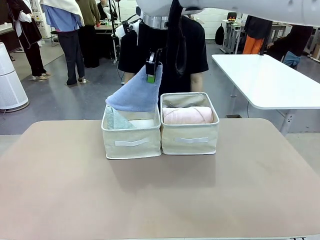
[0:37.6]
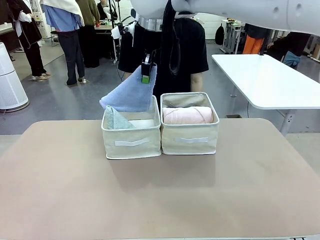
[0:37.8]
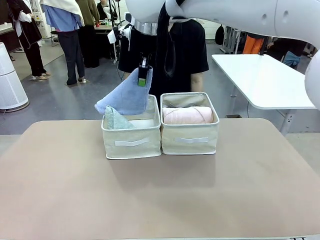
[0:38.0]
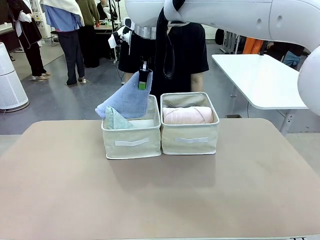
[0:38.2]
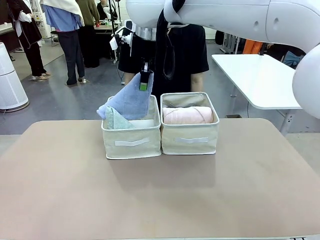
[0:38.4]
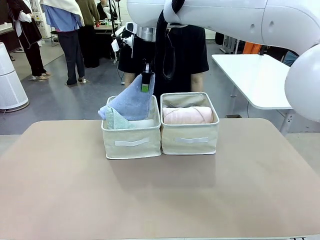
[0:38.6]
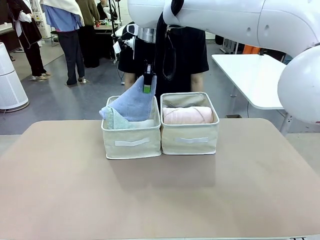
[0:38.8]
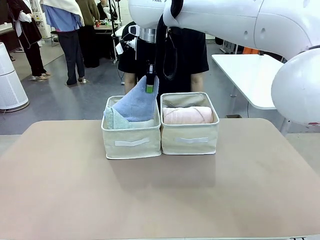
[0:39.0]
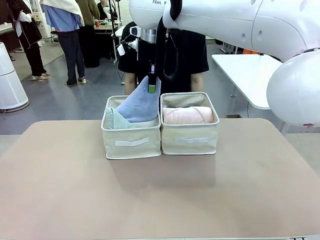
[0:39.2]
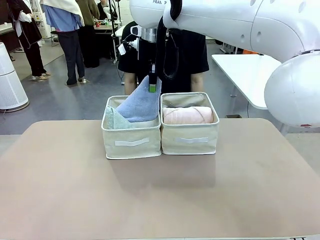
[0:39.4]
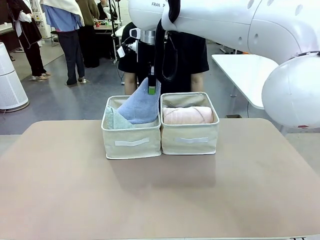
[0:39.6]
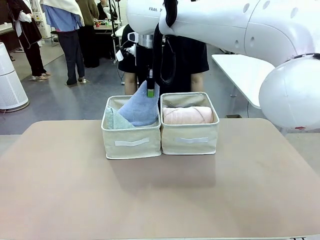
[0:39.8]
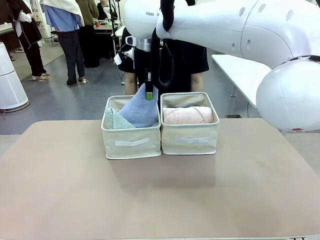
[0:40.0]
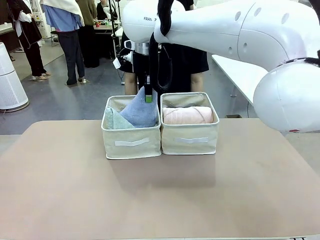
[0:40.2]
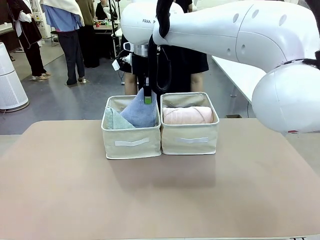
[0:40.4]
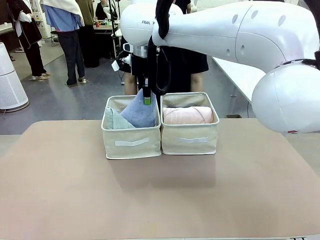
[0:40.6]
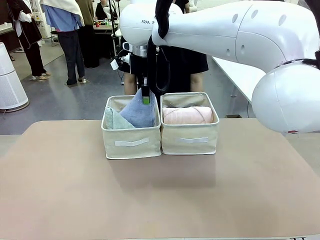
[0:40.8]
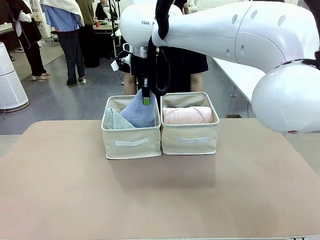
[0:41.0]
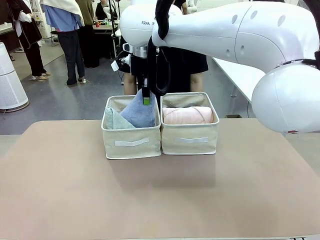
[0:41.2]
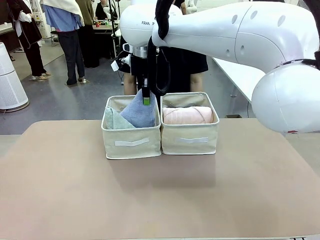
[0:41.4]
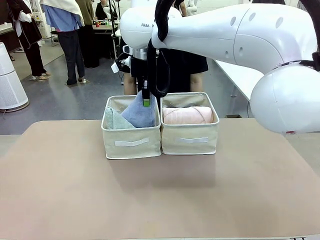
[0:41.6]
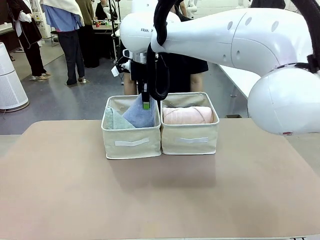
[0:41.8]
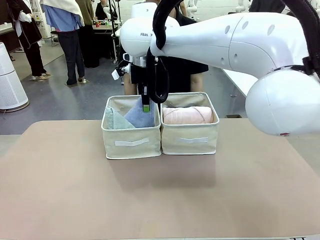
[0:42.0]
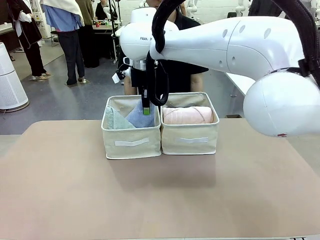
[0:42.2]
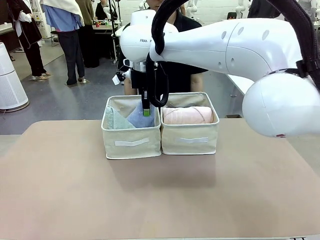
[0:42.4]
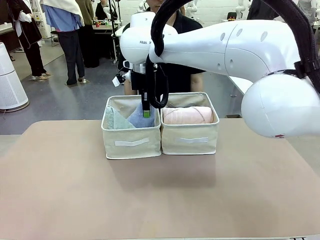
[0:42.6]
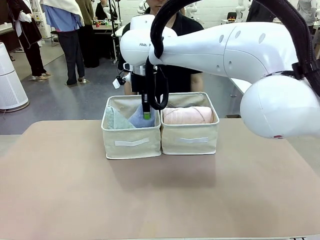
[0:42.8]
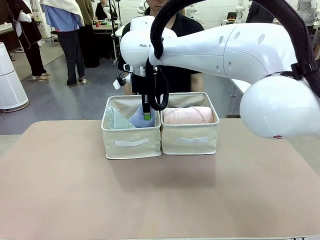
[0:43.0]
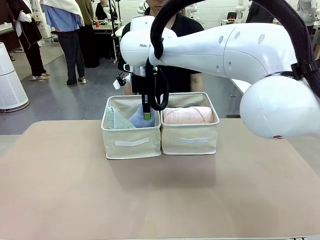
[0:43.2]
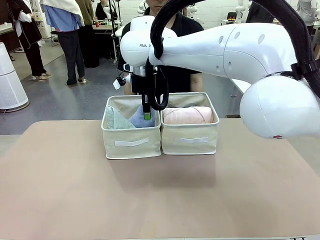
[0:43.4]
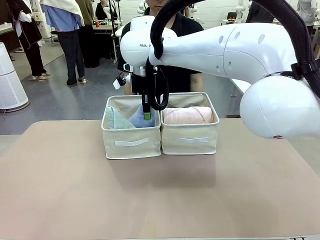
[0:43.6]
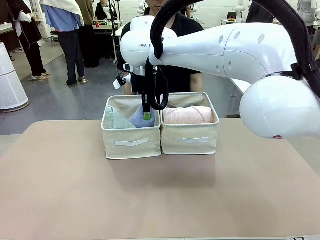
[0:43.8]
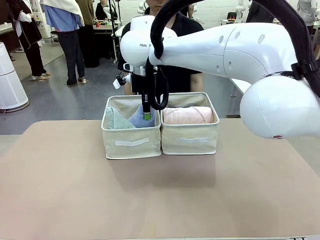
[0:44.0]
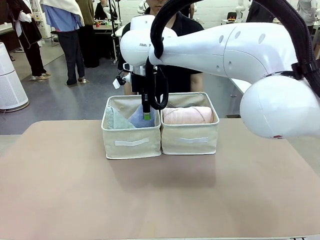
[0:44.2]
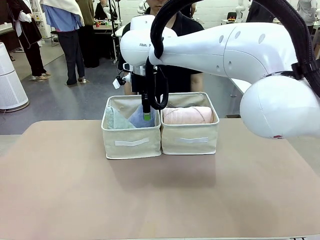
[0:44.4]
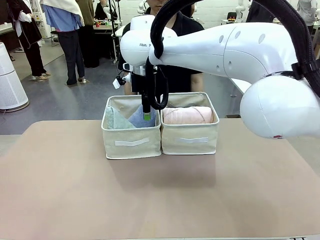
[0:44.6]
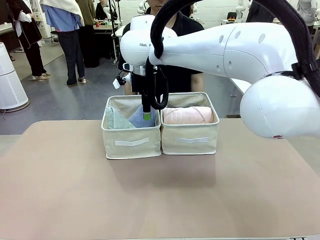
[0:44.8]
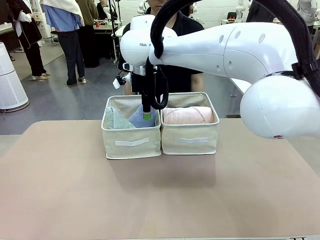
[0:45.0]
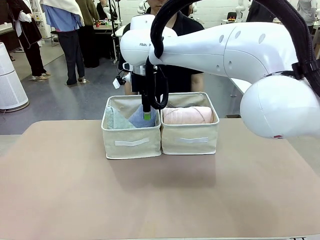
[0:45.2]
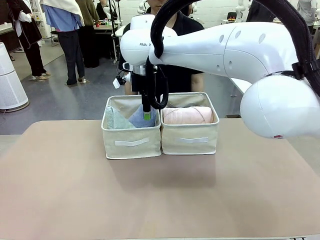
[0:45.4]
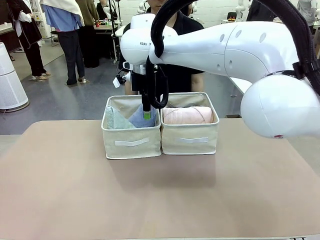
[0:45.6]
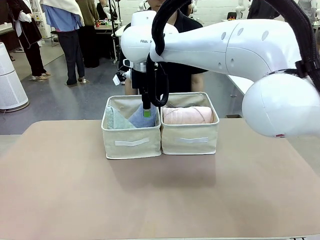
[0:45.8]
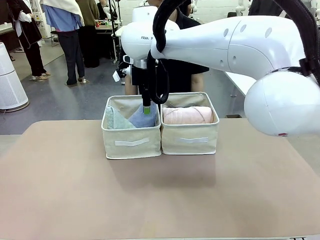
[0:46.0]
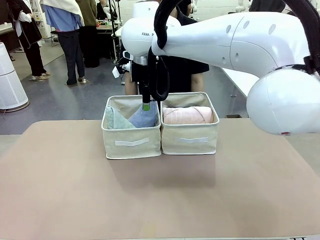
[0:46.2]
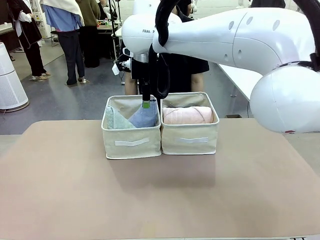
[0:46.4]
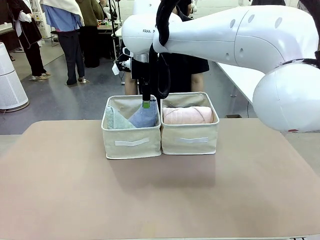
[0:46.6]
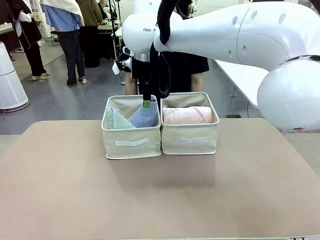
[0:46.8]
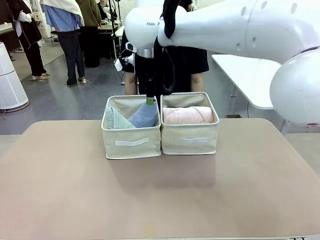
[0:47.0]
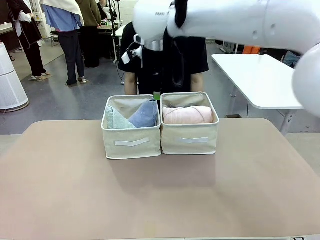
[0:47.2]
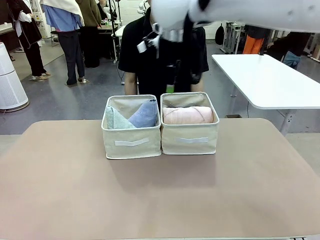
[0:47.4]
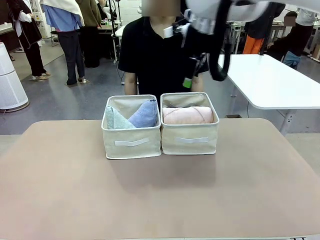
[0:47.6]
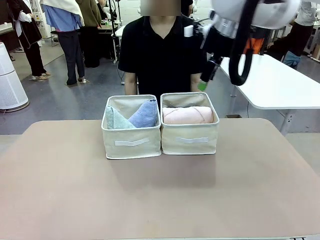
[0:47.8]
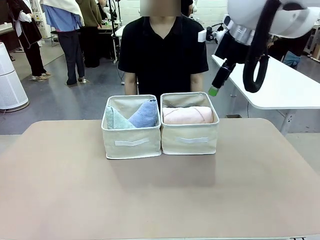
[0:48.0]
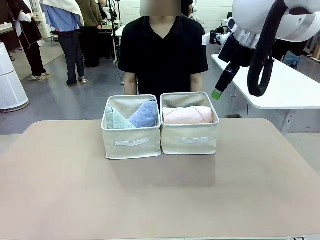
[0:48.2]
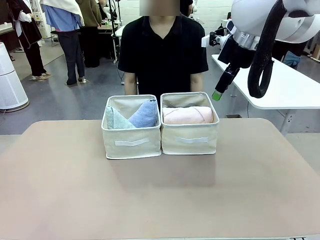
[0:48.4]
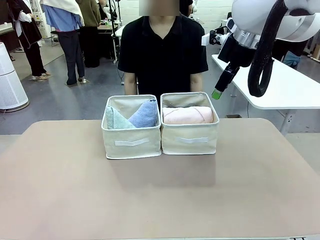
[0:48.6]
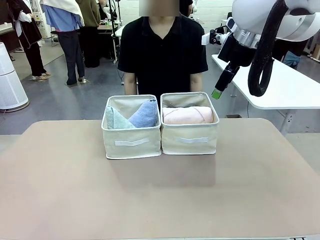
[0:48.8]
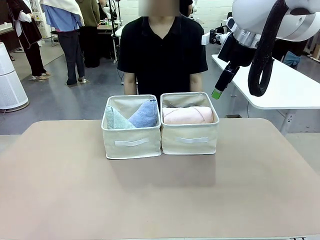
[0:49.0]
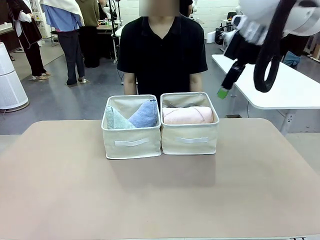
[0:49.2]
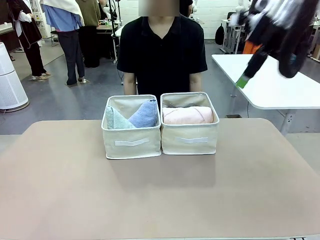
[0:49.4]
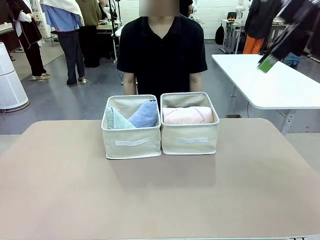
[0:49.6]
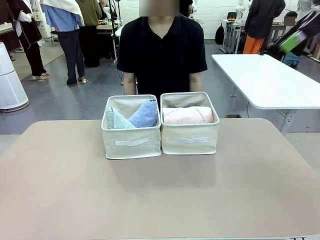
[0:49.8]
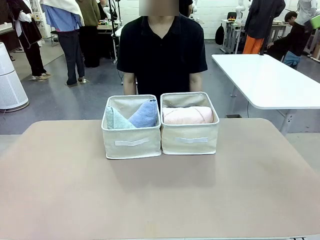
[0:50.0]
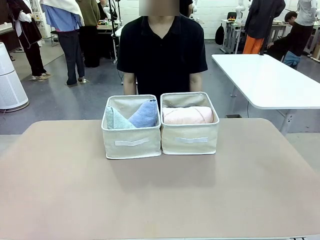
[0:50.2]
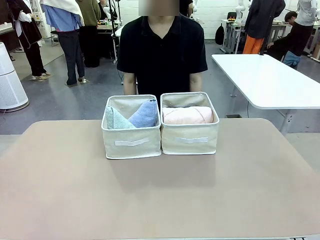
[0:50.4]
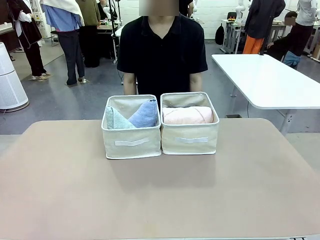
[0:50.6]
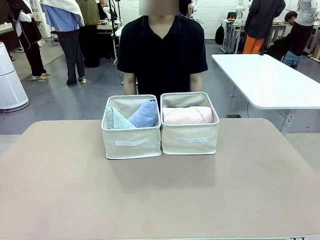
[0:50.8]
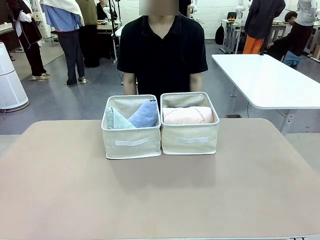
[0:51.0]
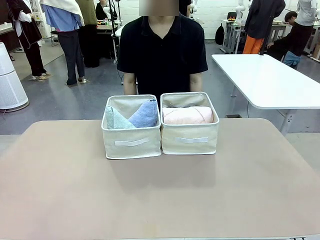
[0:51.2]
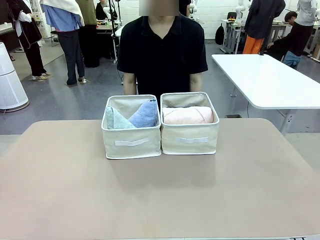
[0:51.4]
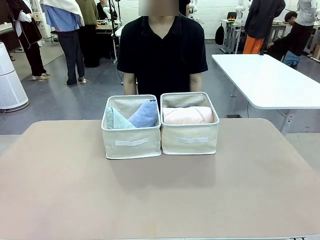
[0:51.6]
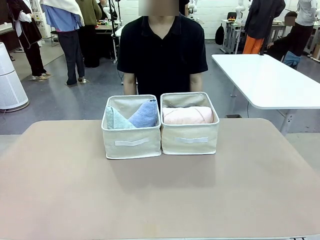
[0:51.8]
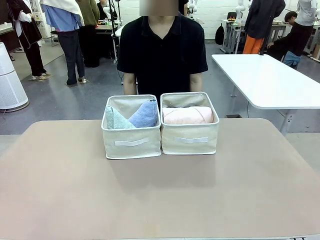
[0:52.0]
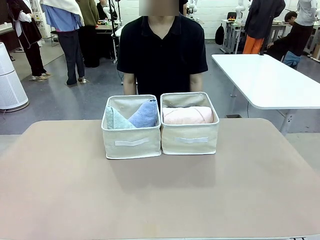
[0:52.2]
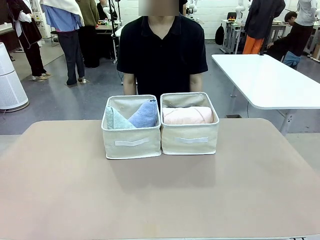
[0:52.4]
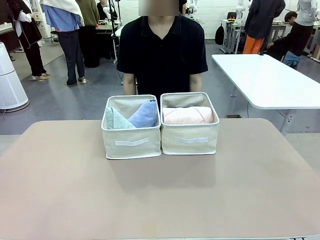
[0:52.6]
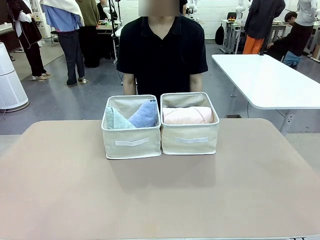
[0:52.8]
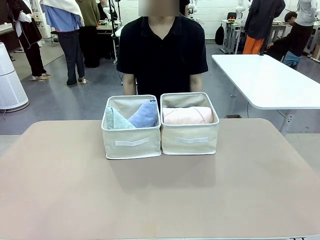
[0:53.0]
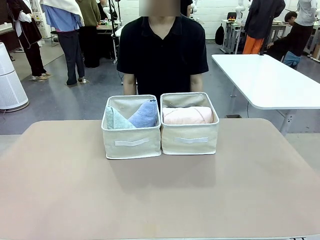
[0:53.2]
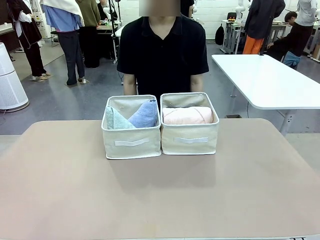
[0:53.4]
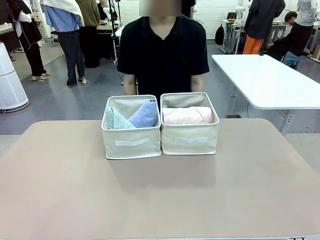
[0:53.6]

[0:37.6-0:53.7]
Task: Sort the towels based on their folding style.
Robot: Pick up another triangle-folded towel from the table and place it in the left Fabric basket.
